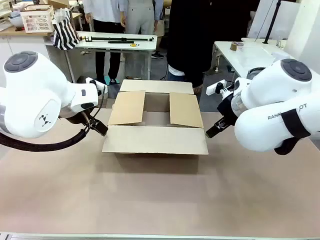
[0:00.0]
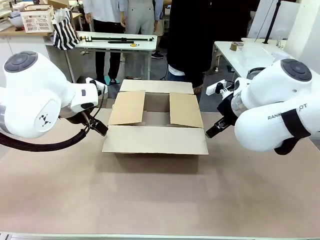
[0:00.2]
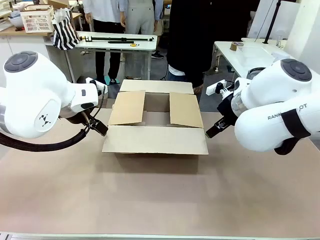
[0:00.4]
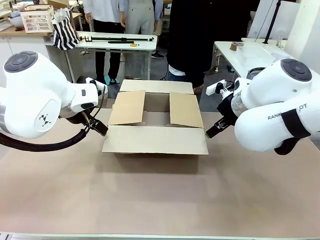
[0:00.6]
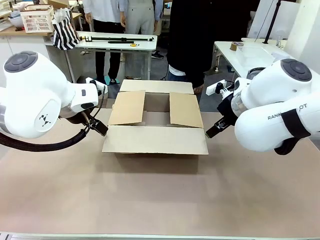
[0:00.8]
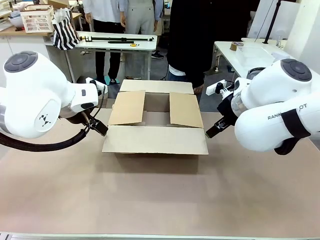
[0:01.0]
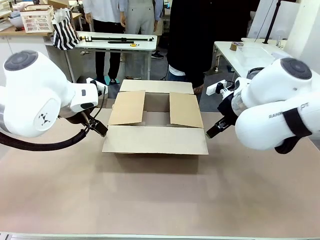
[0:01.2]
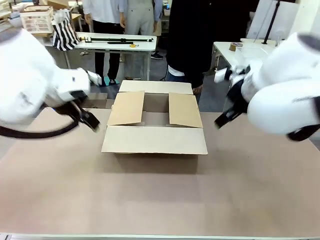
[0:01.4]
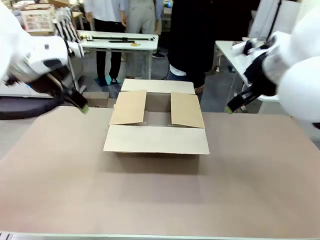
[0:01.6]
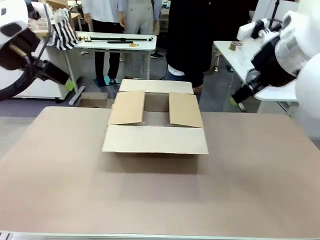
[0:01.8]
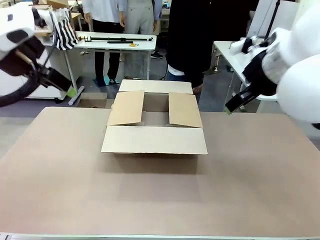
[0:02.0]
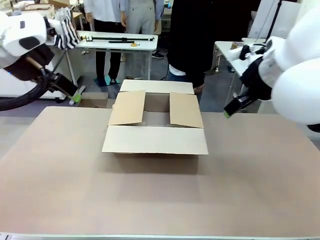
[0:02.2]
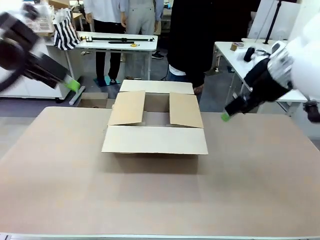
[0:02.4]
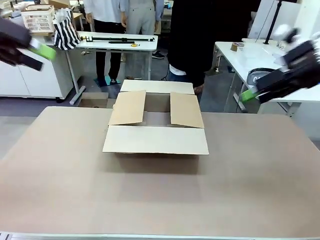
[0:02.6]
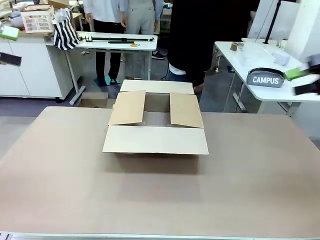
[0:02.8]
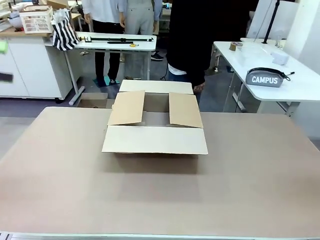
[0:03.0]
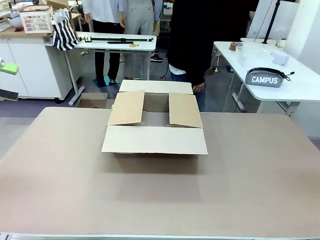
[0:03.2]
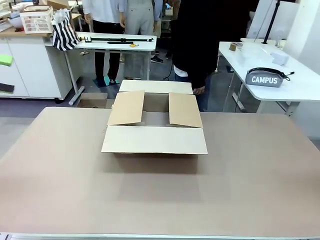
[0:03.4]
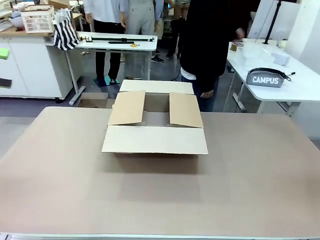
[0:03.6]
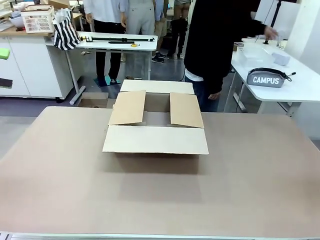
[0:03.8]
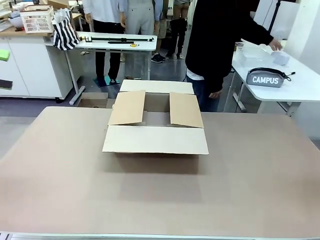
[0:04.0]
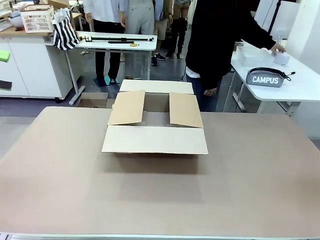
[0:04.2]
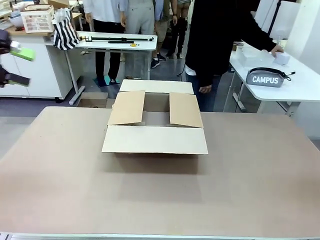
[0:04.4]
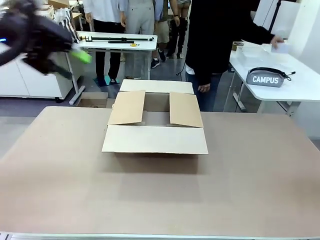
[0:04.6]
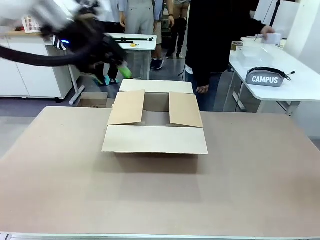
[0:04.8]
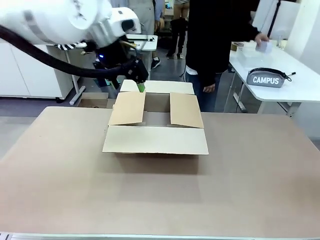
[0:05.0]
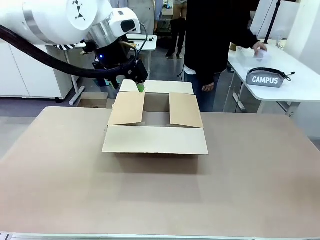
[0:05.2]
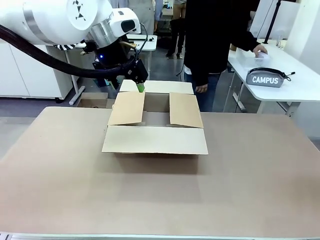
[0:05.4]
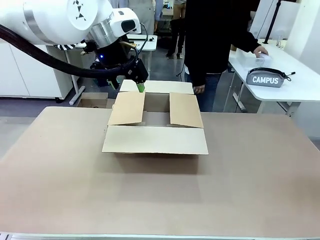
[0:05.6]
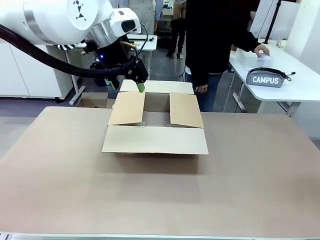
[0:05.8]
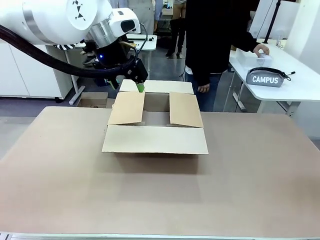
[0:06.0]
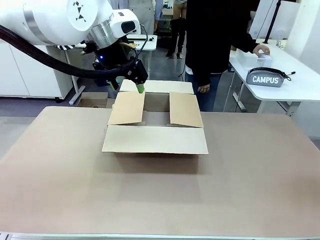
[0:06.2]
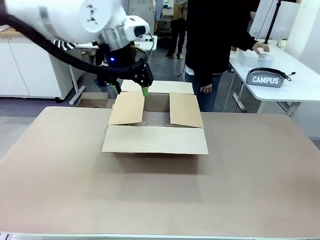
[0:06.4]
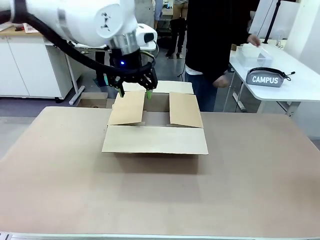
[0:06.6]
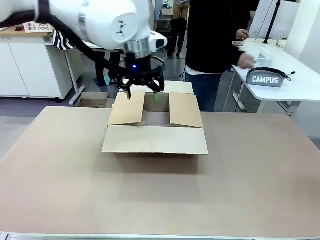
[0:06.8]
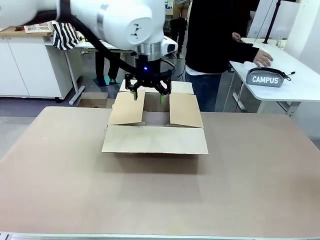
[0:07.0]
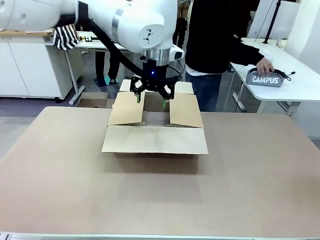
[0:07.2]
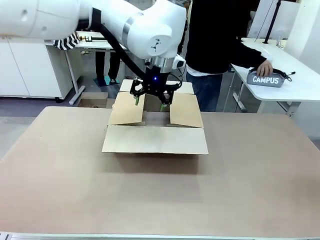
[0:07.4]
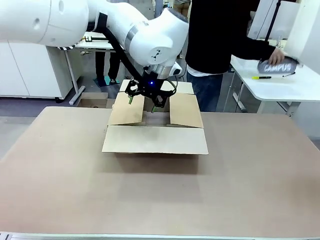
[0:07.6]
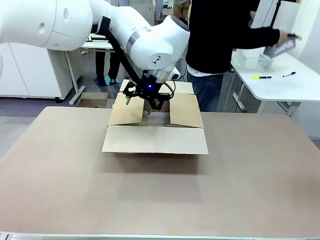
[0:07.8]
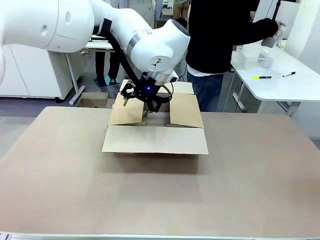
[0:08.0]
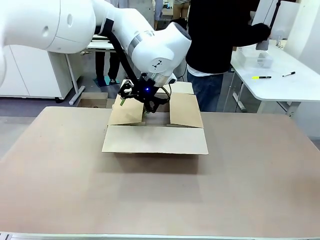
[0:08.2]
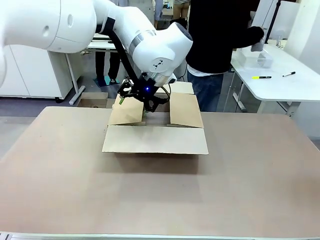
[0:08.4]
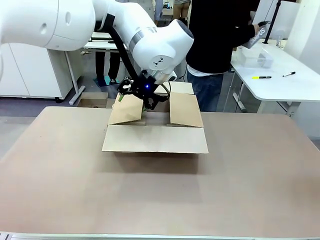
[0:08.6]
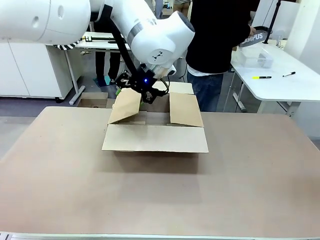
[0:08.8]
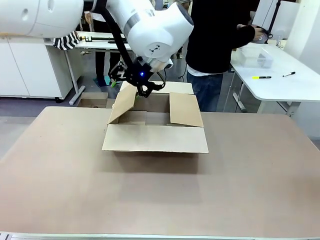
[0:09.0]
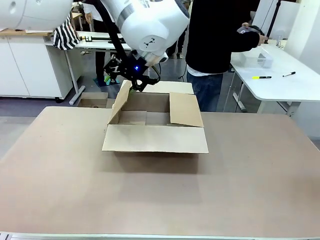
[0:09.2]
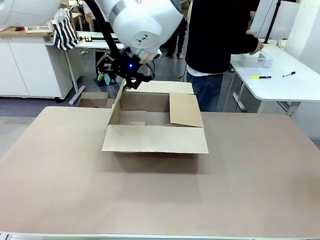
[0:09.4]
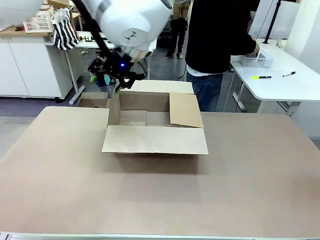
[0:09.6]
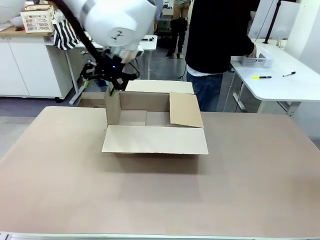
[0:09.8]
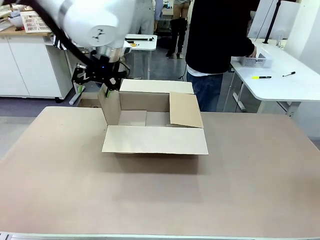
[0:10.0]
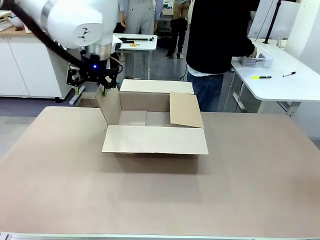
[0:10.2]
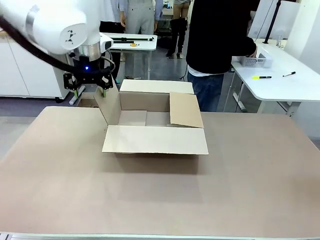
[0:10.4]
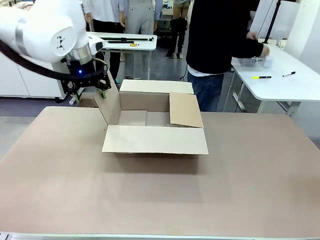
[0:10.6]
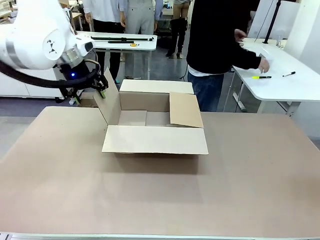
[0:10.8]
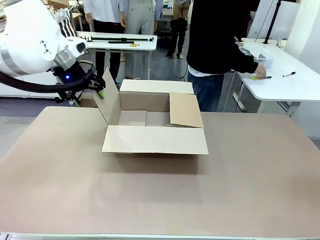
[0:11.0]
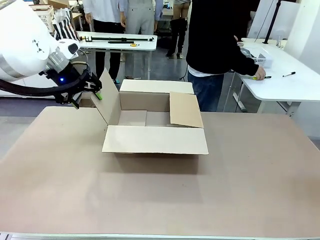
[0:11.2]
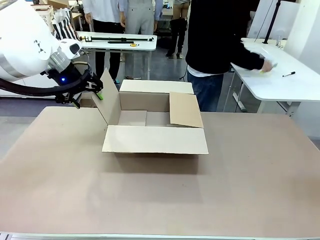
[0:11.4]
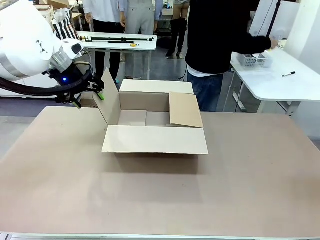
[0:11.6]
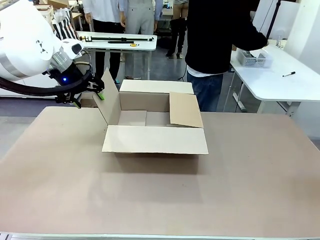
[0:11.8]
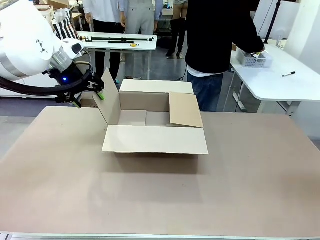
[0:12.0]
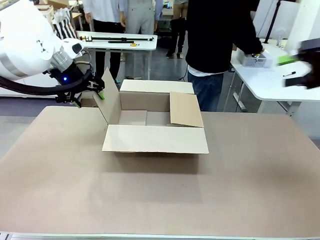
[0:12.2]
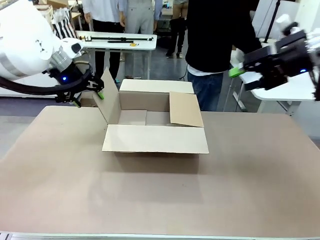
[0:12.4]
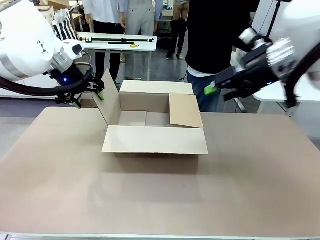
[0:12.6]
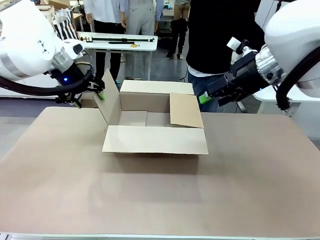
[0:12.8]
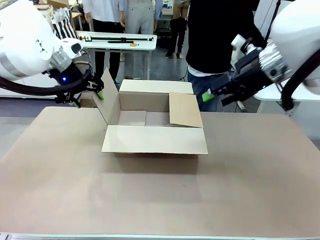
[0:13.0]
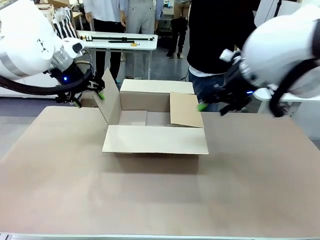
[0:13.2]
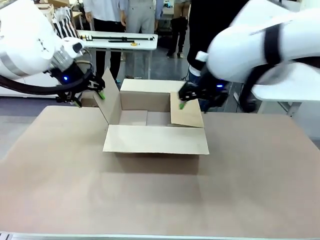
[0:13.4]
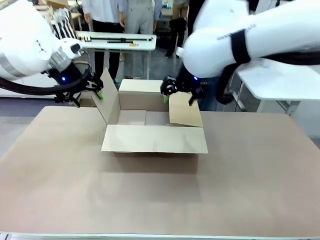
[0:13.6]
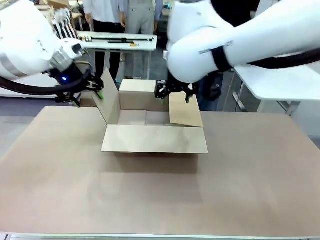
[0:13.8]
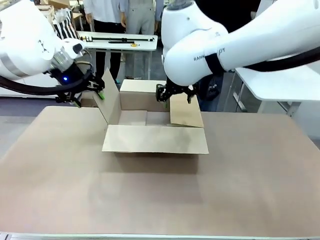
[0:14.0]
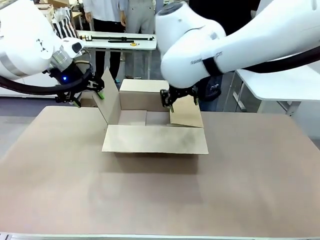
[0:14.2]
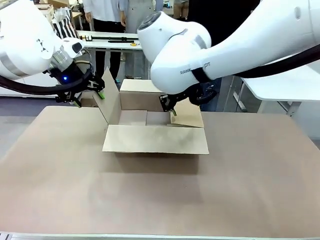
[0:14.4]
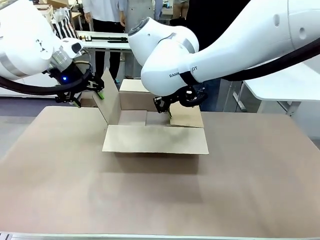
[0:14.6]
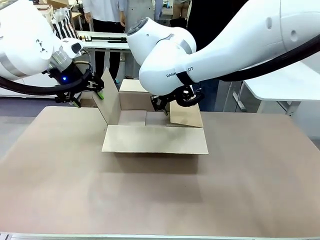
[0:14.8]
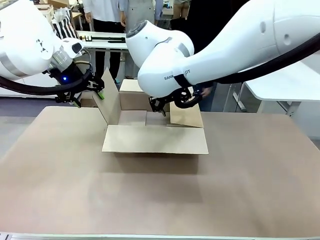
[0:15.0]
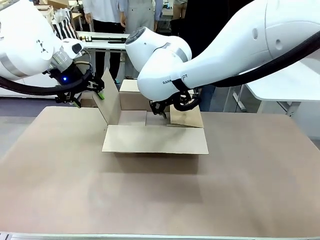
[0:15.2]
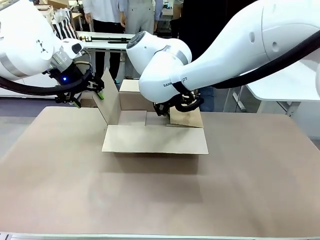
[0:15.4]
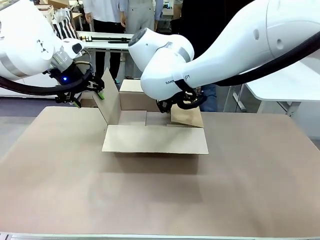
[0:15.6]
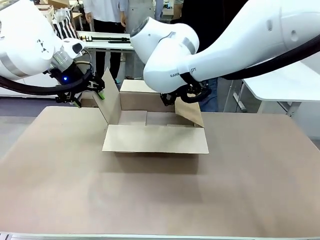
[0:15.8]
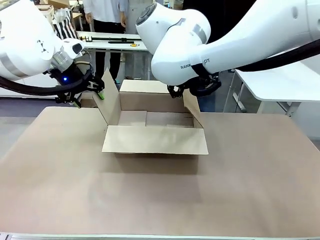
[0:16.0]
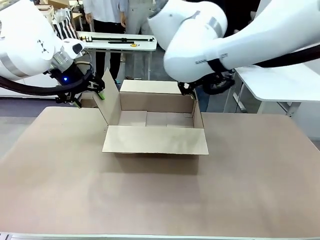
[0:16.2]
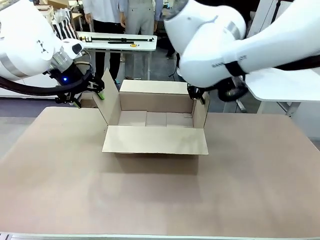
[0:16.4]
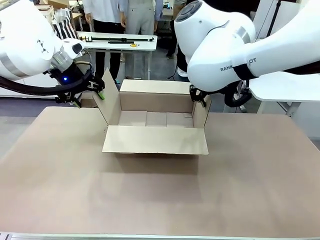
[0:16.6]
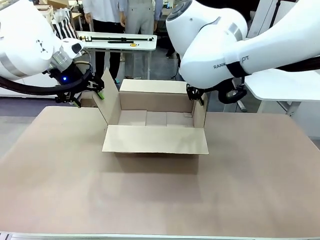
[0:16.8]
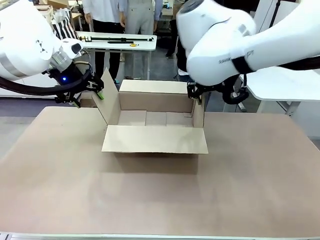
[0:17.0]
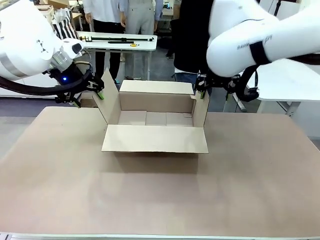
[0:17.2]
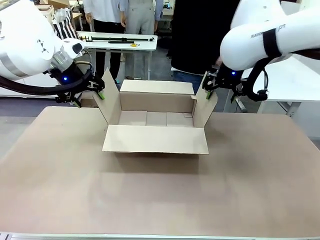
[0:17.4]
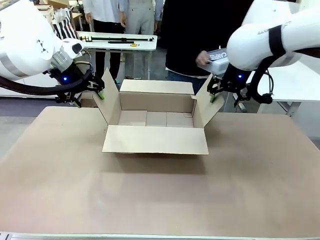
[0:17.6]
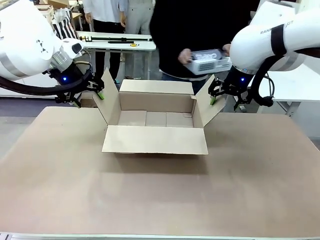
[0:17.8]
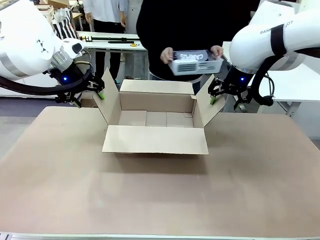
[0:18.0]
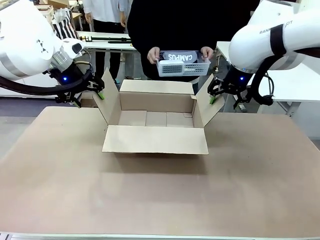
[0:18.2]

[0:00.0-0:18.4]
Task: Pack the gift set into the box.
Robot: Place both hands on the side flaps of the Package Box and spread them outward.
Person: The human places all items except the paper tape into the organizing basket.

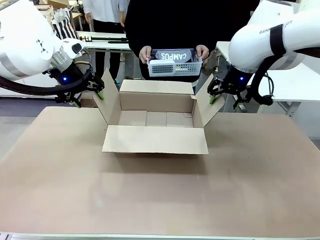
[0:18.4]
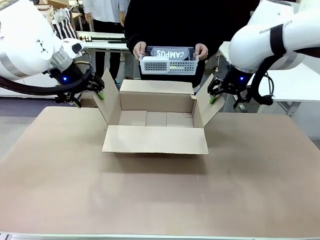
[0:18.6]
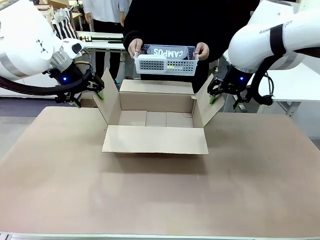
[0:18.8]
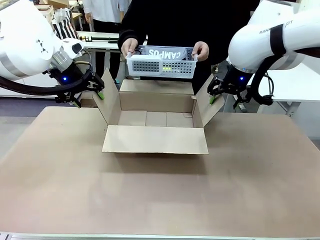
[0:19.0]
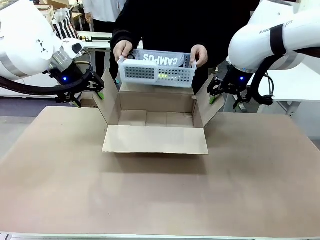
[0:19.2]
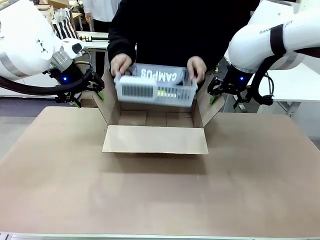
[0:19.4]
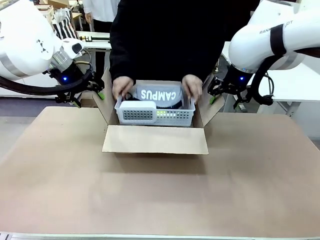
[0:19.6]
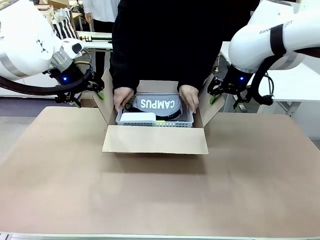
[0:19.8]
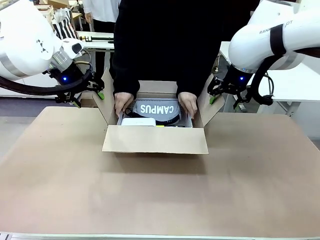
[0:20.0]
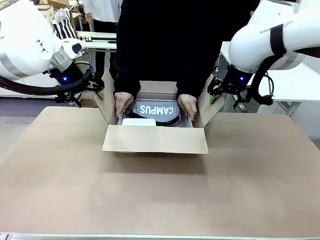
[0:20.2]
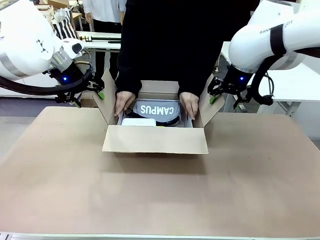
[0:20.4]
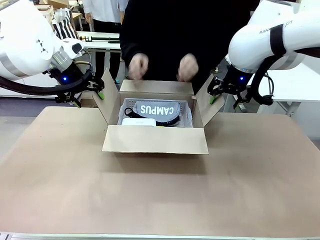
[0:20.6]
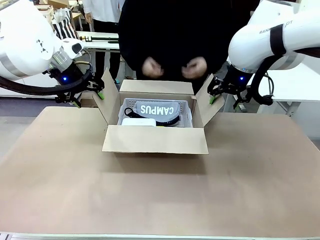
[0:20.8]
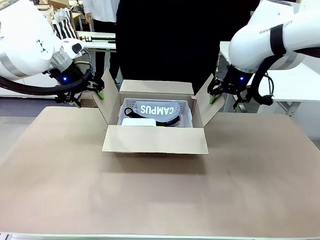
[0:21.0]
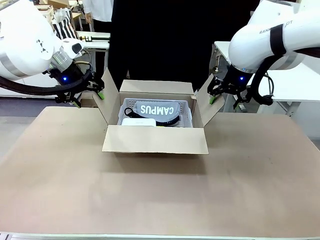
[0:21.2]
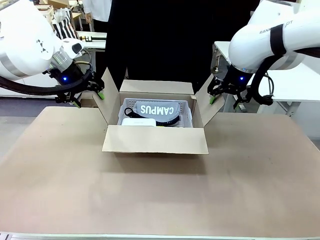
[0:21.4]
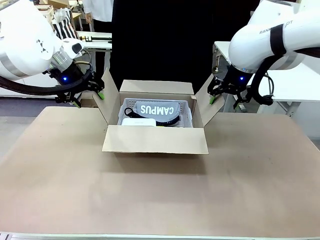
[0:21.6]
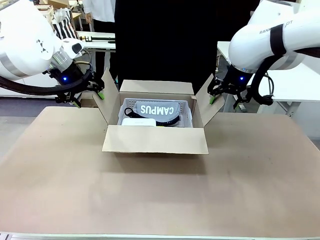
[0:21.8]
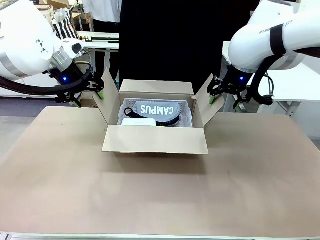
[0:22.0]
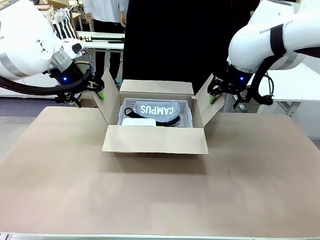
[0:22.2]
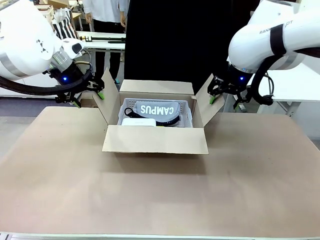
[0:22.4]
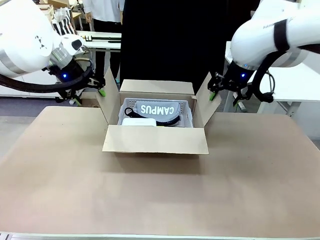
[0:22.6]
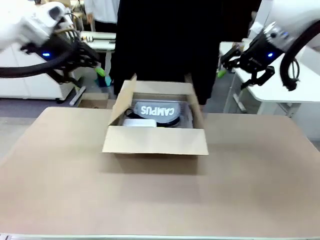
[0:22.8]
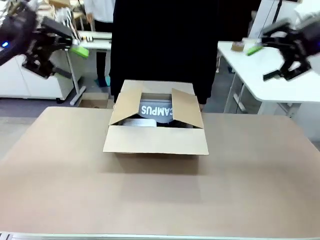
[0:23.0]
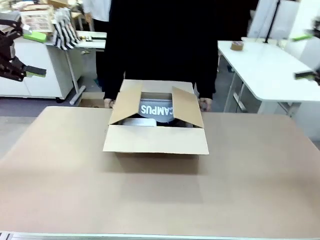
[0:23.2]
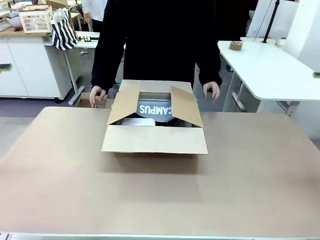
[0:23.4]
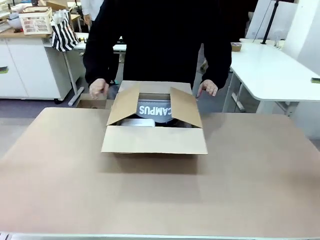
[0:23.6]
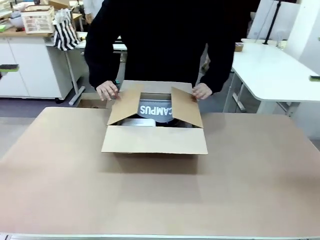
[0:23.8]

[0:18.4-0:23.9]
Robot: Lift both hands away from the flaps of the Package Box.
